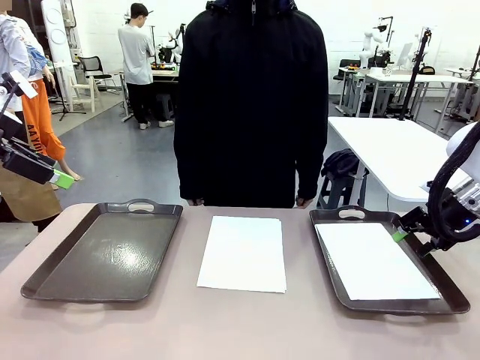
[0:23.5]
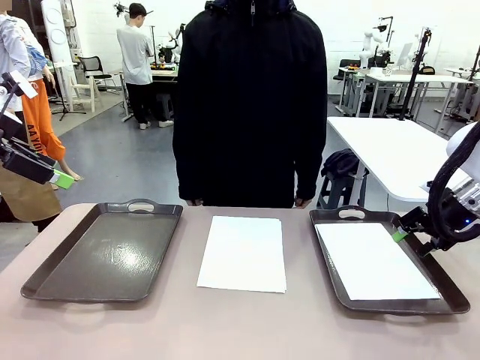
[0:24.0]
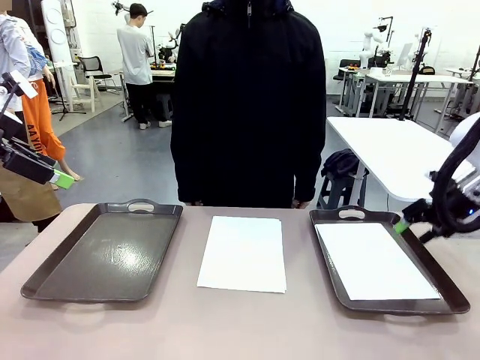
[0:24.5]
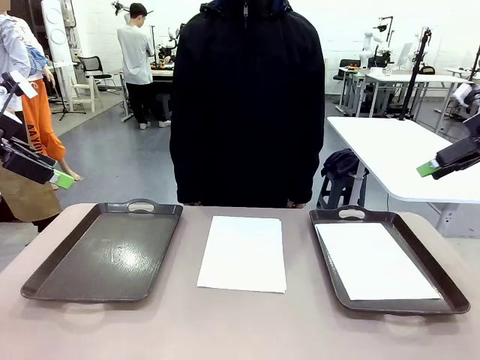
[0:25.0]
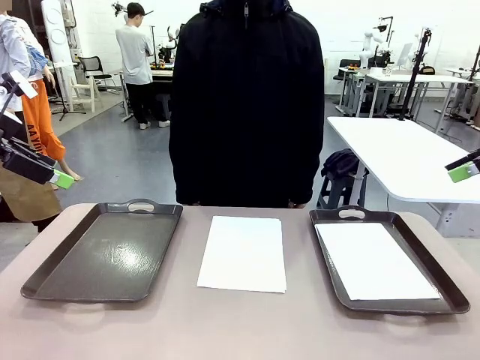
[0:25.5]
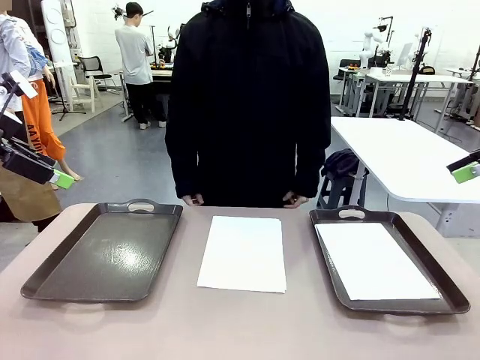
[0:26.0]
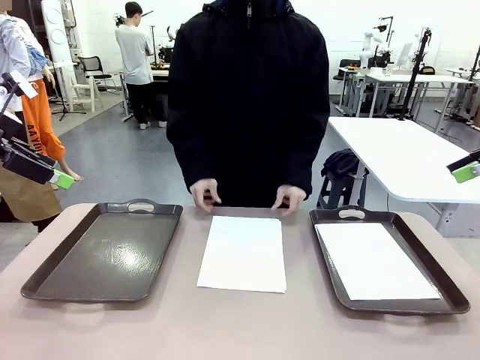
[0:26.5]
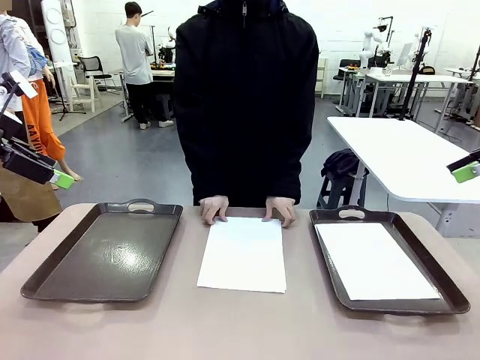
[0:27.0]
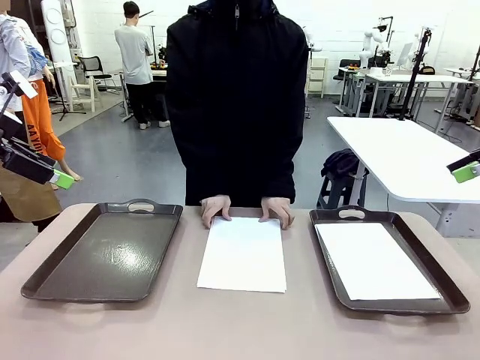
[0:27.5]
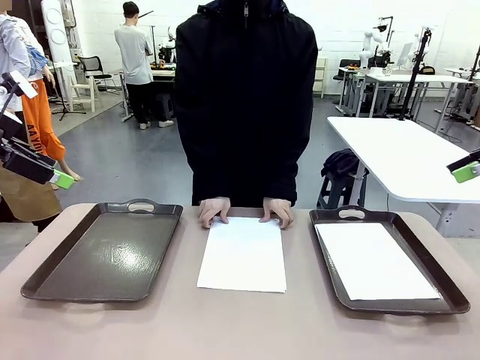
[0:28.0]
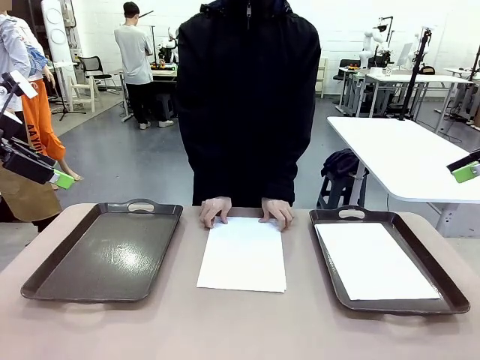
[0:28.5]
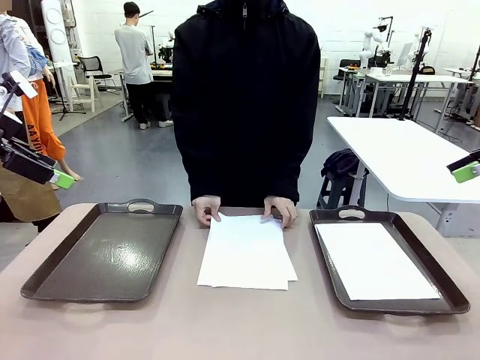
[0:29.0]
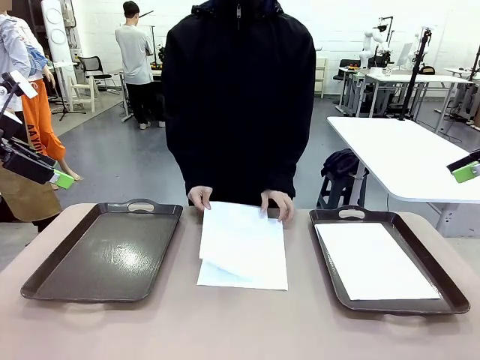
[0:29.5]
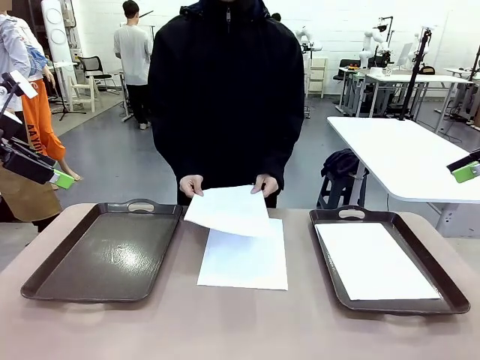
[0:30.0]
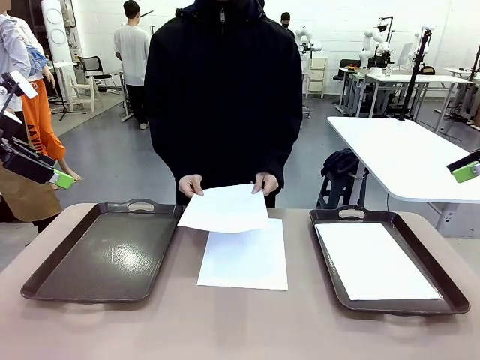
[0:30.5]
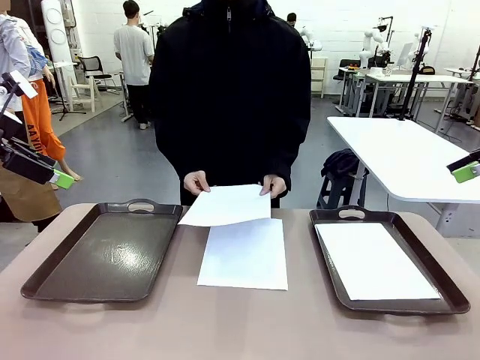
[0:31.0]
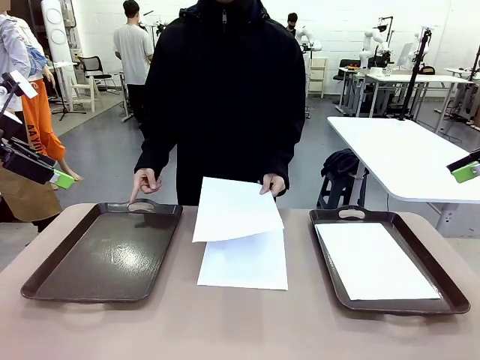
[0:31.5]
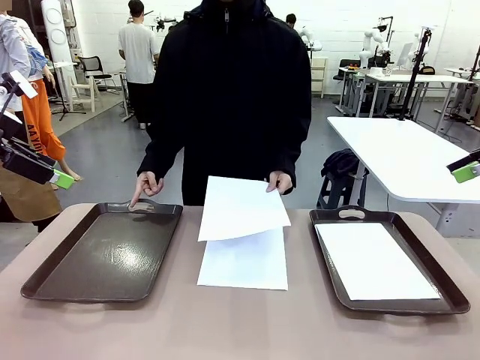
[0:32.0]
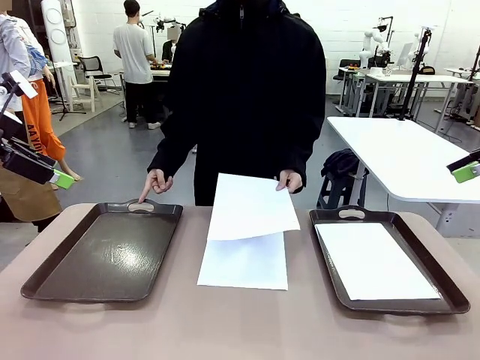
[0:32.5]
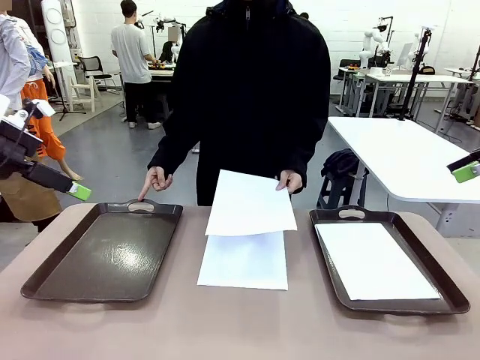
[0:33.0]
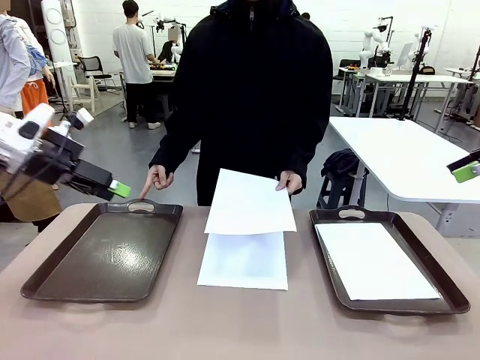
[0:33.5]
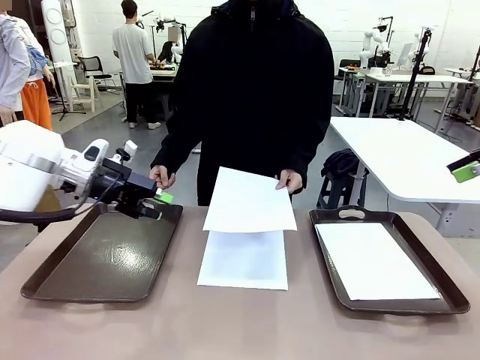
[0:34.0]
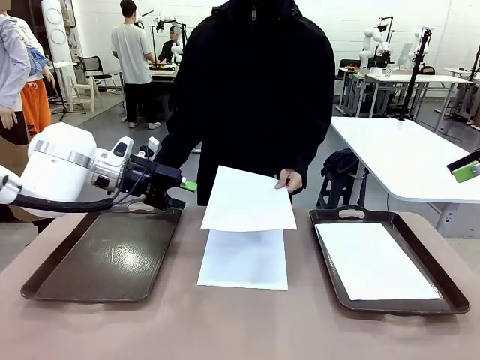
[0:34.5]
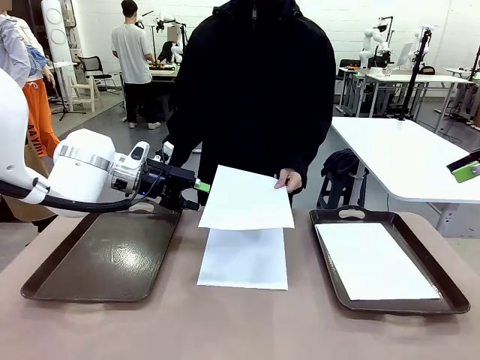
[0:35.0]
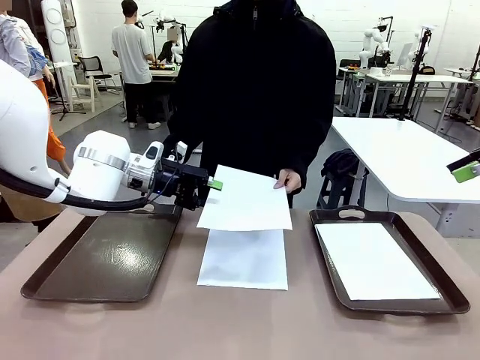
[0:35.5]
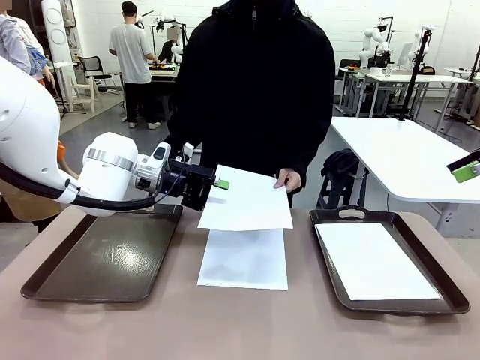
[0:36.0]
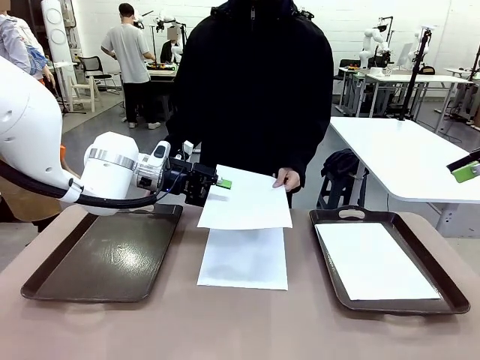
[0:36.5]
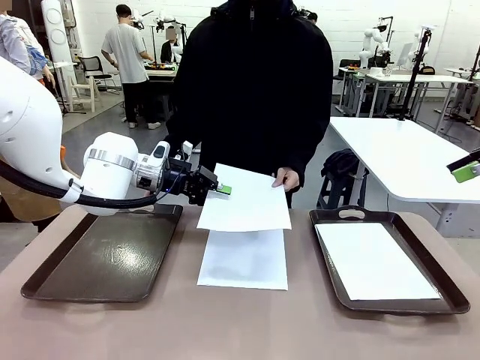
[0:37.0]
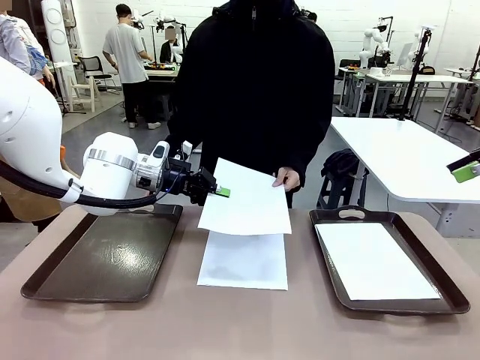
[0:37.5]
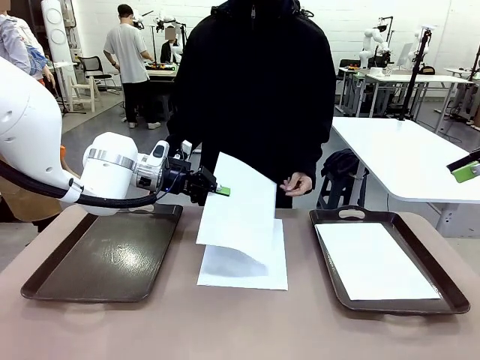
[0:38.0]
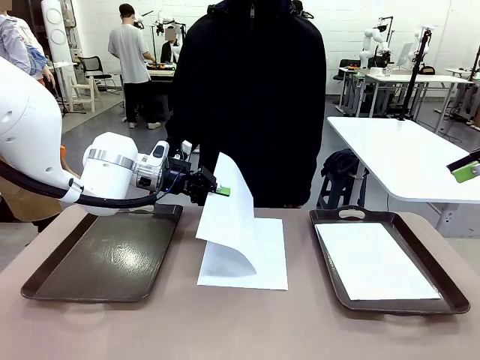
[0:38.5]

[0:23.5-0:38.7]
Task: Sort the A4 documents.
Robot: Receive the A4 Paper.
Person: Point the randomly selected tray with the other hand.

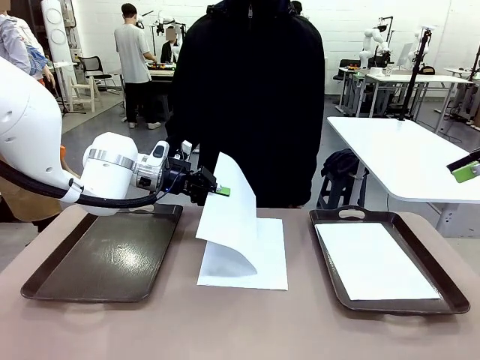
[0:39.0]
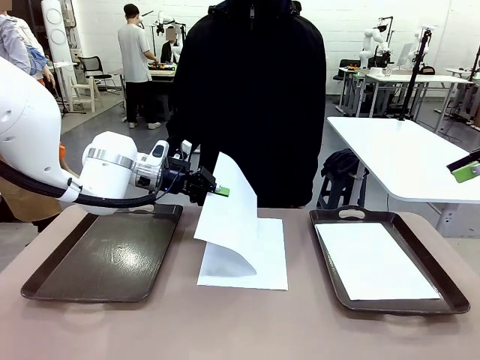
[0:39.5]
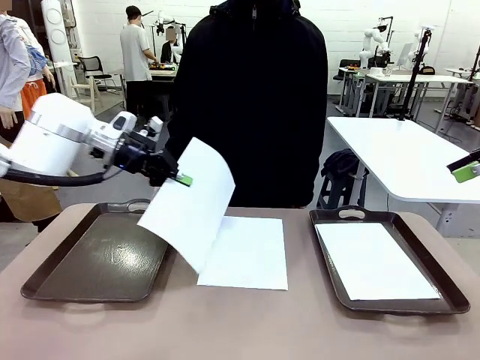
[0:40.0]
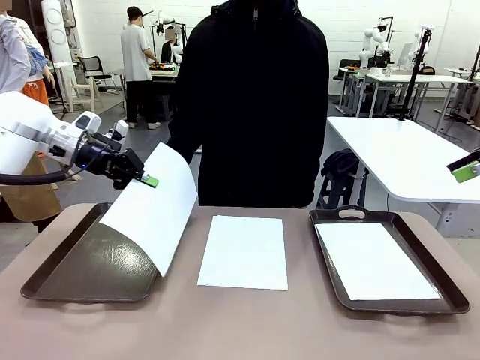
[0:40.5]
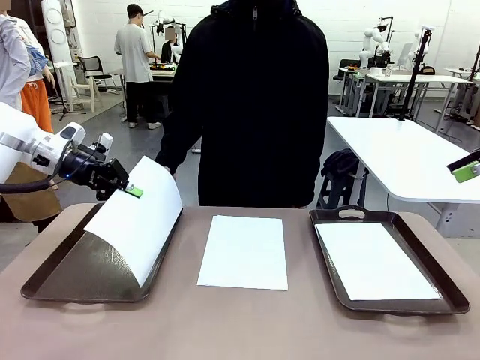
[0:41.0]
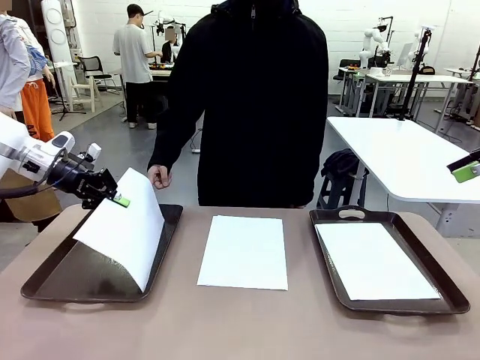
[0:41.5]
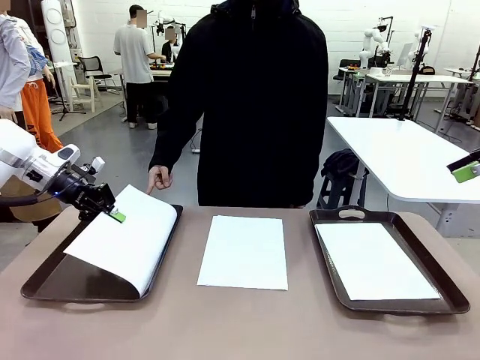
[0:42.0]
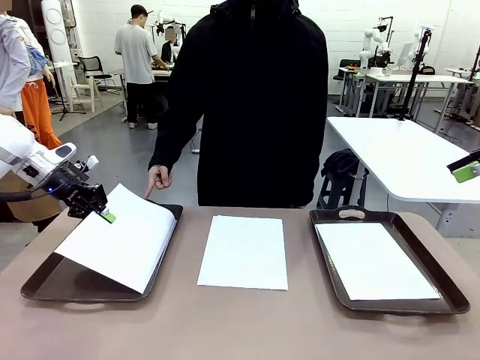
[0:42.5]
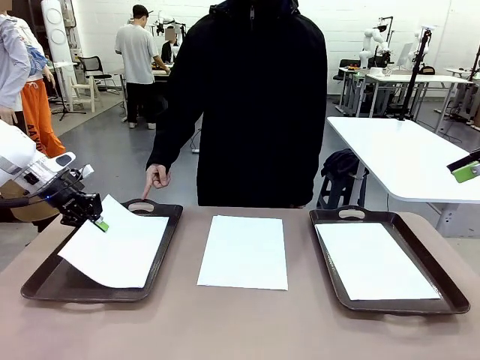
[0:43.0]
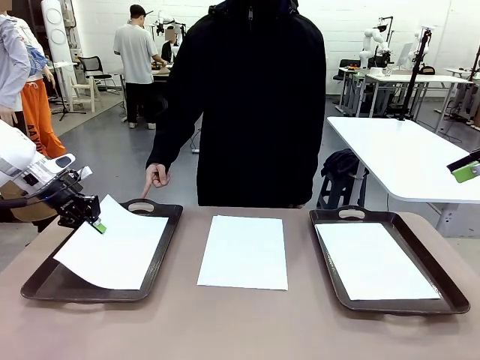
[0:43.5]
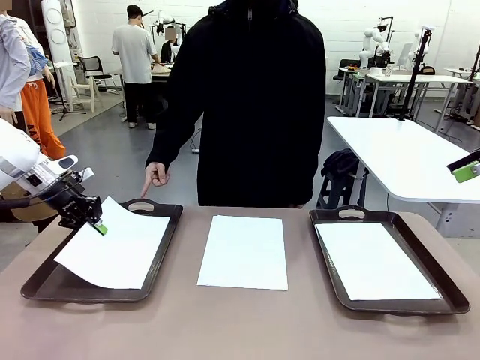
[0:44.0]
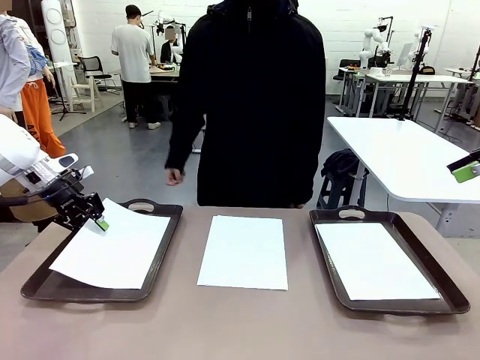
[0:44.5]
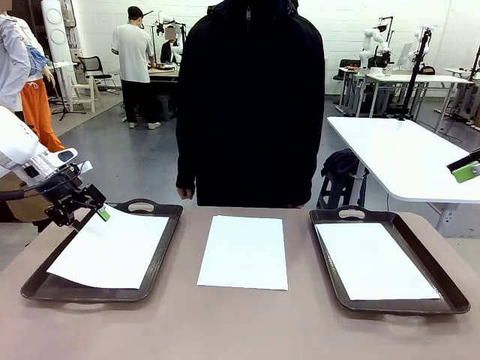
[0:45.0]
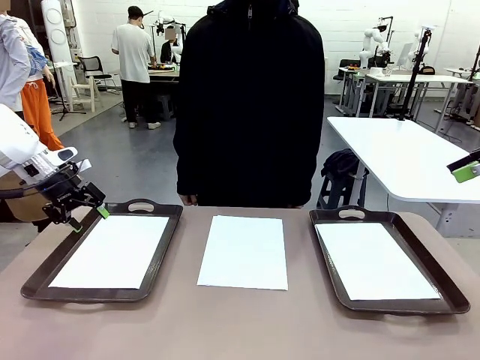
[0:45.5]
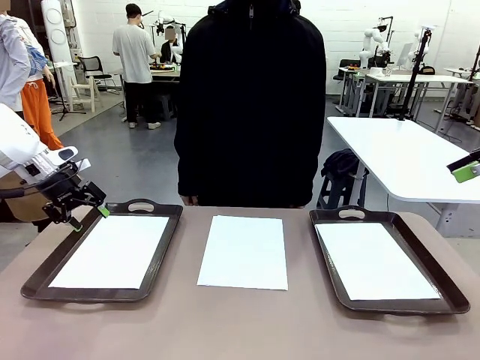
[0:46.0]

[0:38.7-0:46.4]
Robot: Place the A4 Paper in the designated Handle tray.

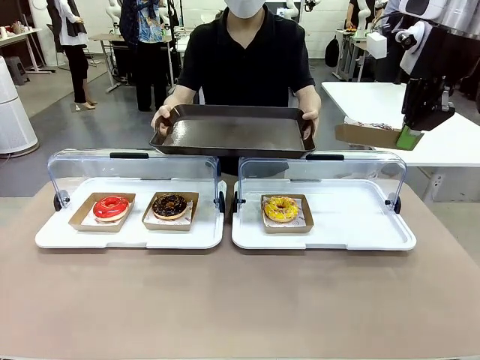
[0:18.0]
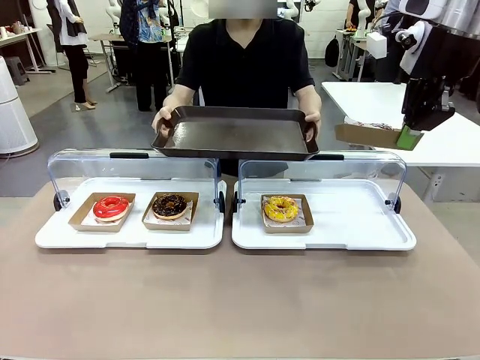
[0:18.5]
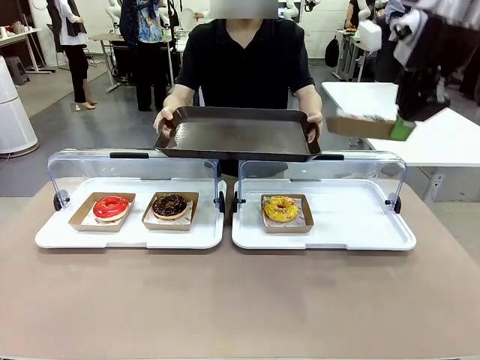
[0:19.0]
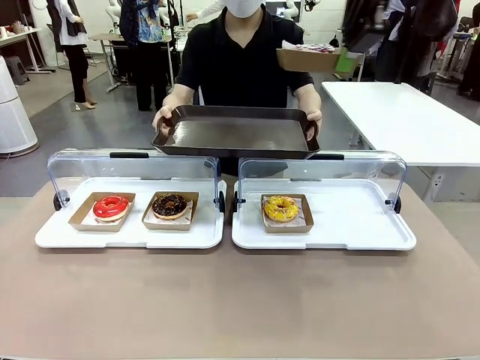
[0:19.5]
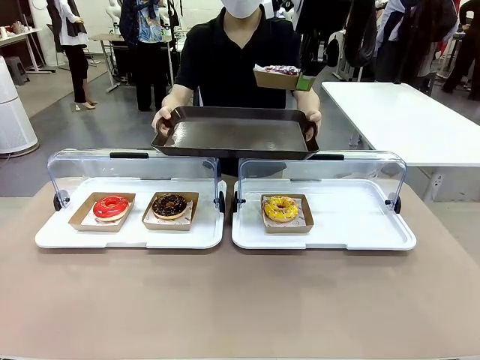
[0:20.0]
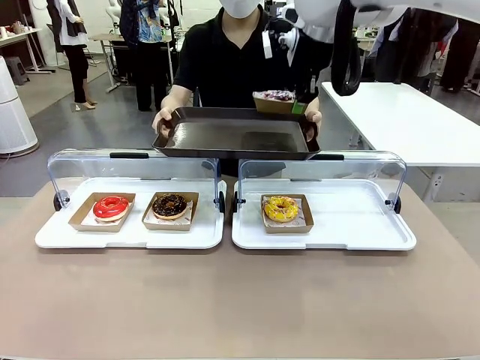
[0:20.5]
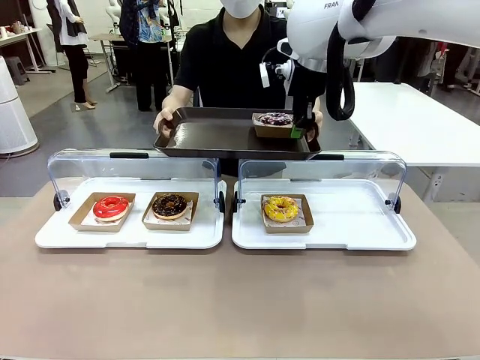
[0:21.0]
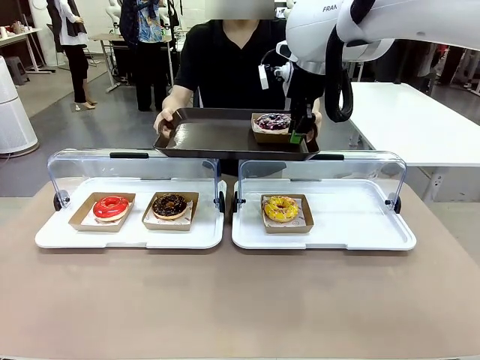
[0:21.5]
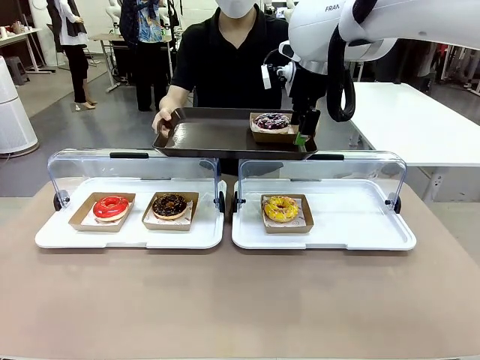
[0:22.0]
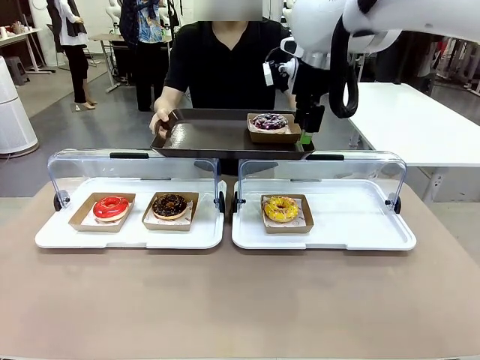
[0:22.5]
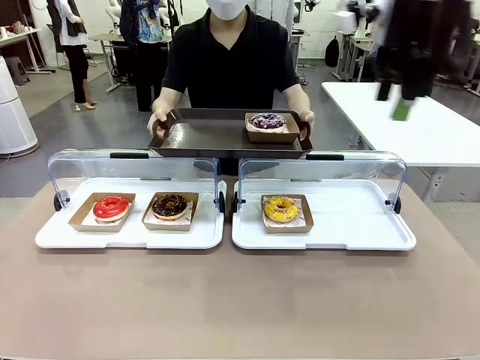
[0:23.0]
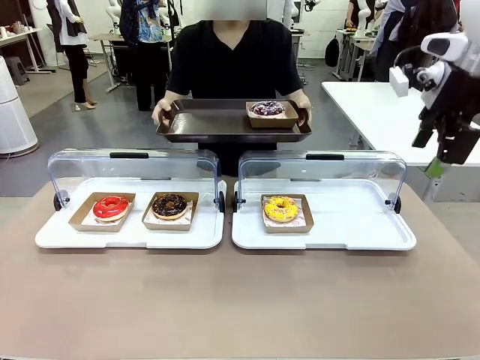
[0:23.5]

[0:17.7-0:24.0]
Task: Provide the desired donut to the person.
Robot: Place the picked Paper togo box onto the Handle tray extended by the person.
